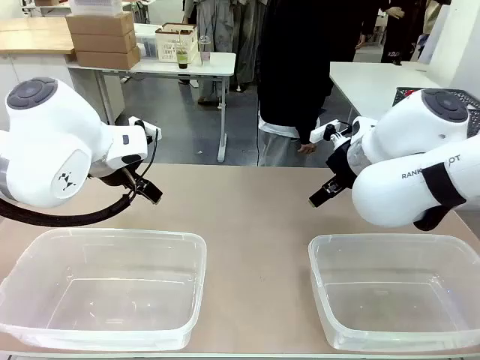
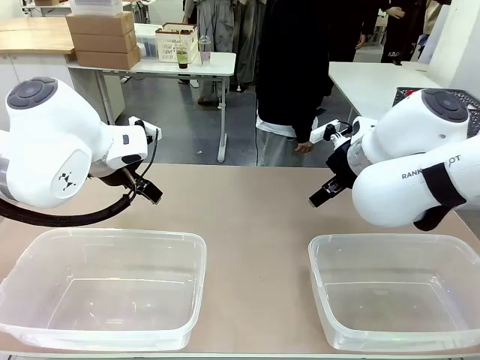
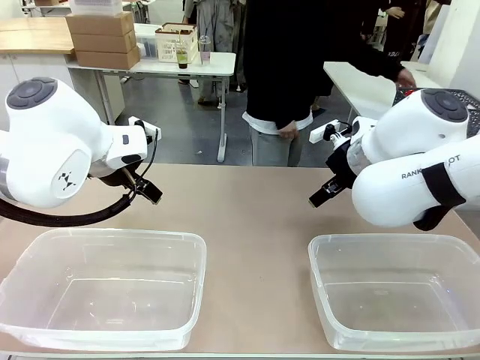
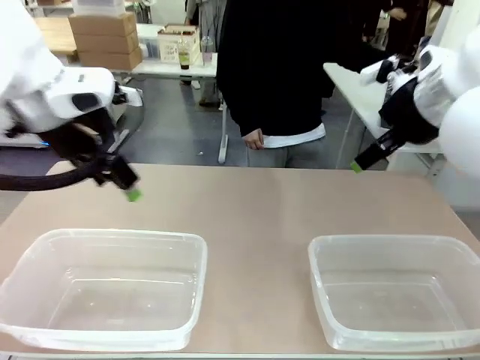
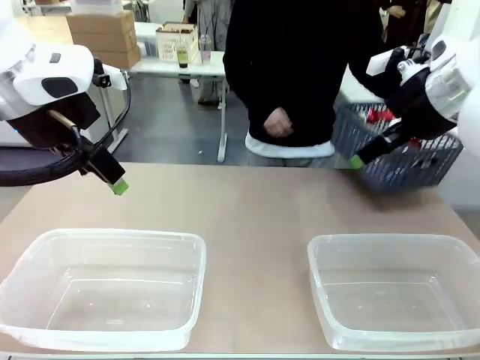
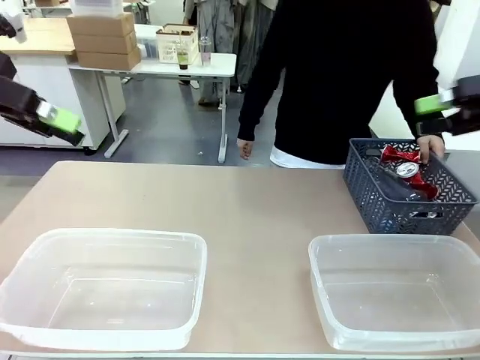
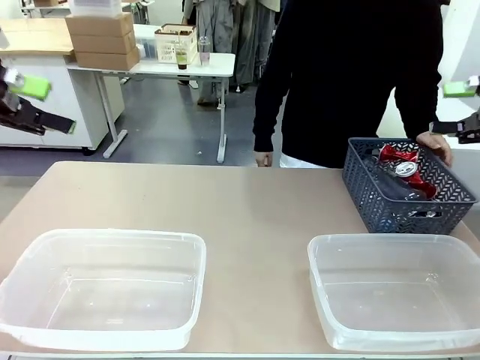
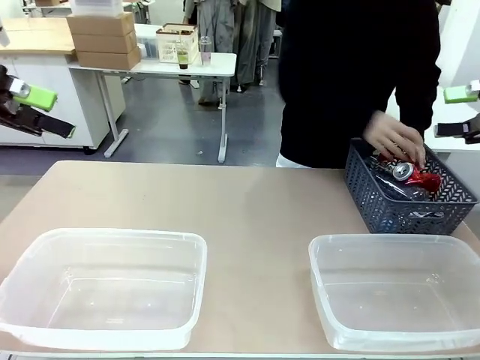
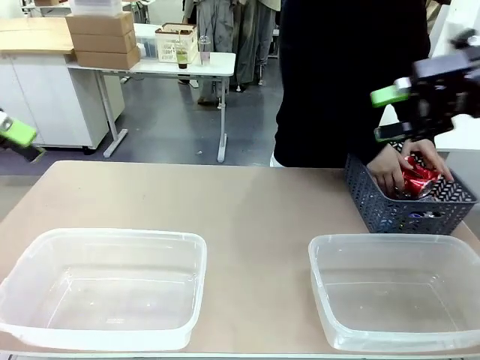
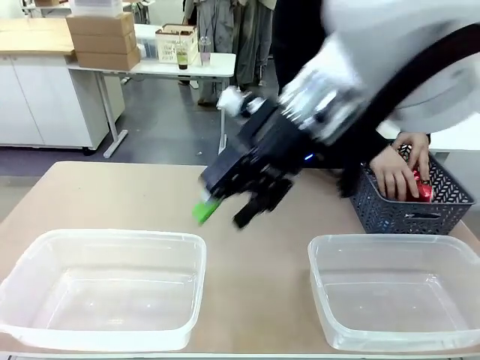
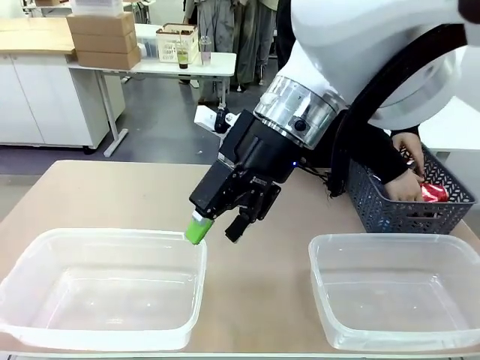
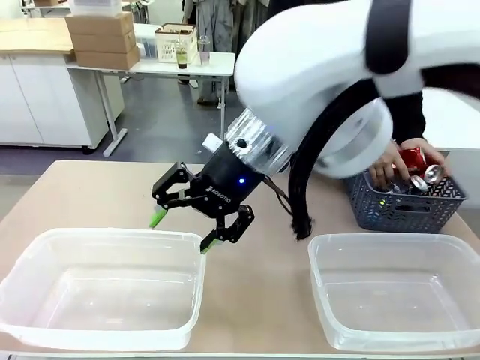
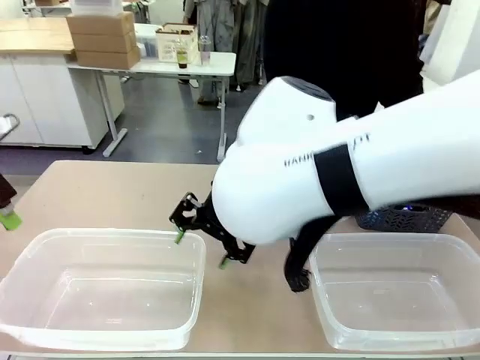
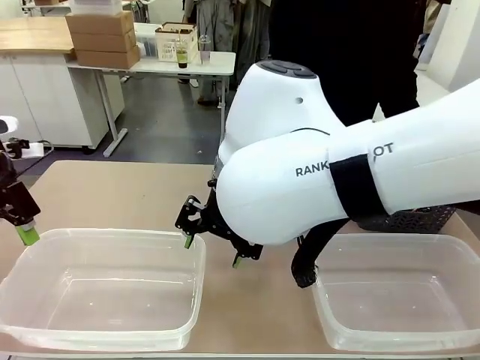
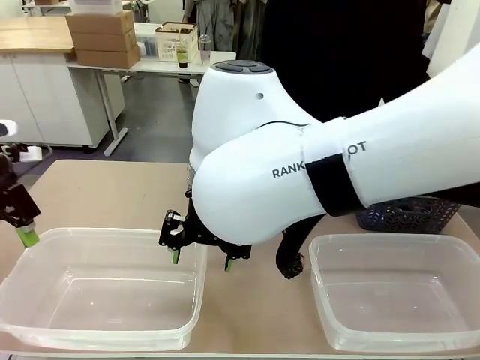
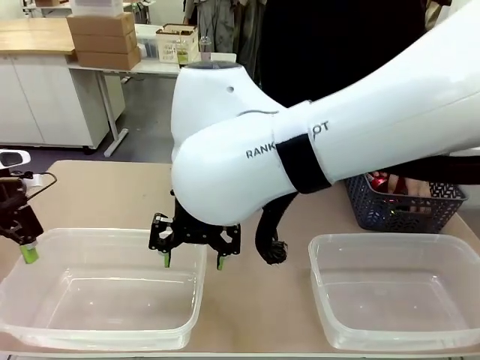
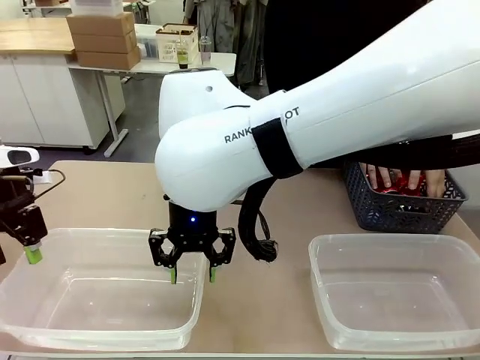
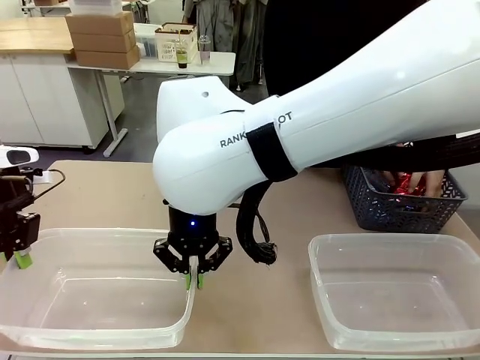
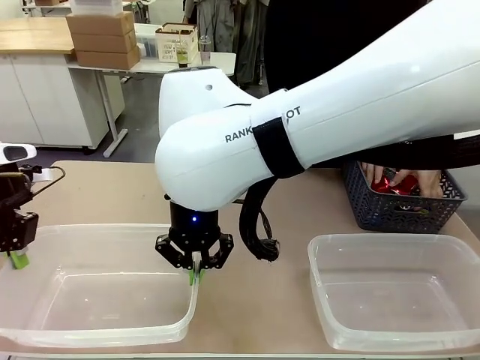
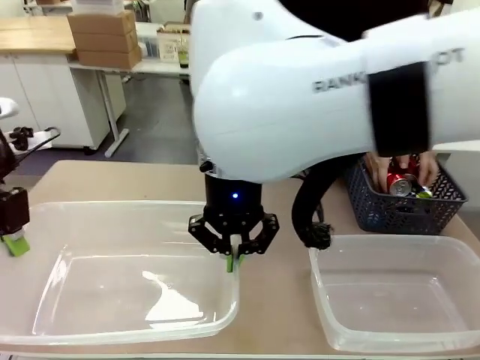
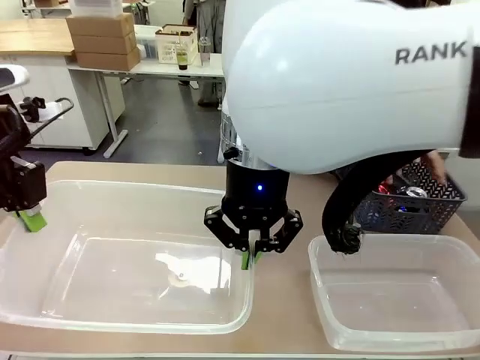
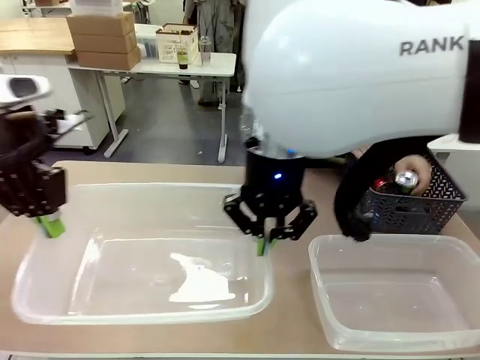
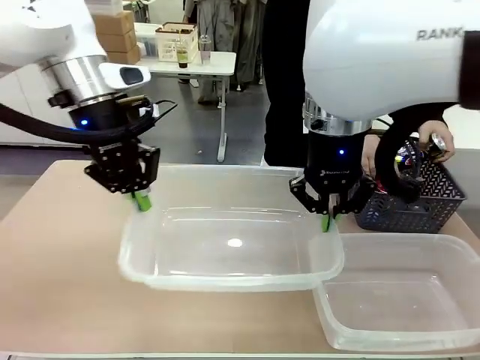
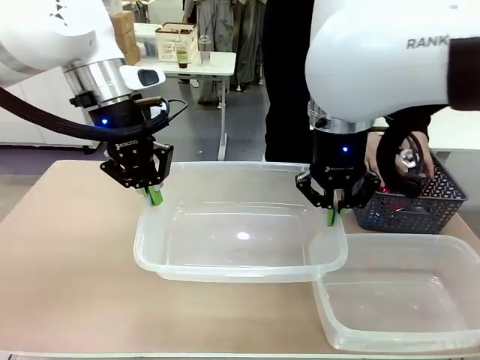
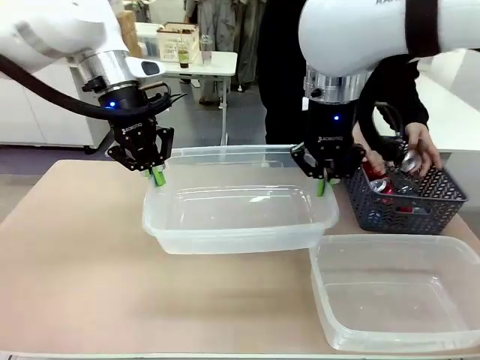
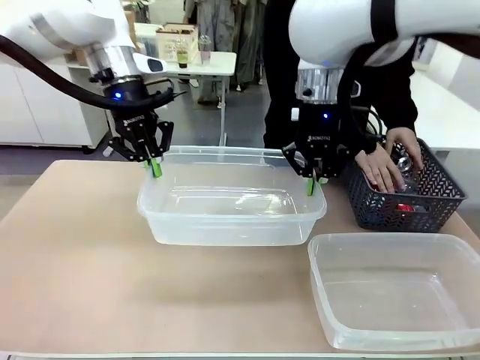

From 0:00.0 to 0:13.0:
Robot: Pick up the Organizing box on the left side of the table and lift it.
Person: Pick up the storage basket and place it on the left side of the robot table. Pick up can-shaped waste one by one and place it into the organizing box lifted by the robot.

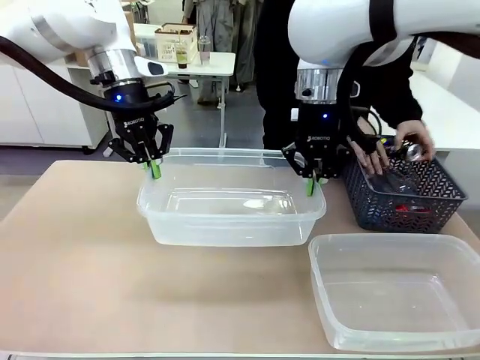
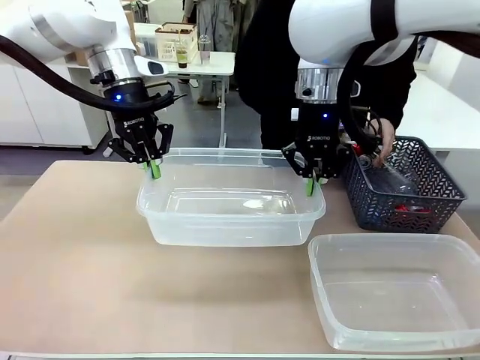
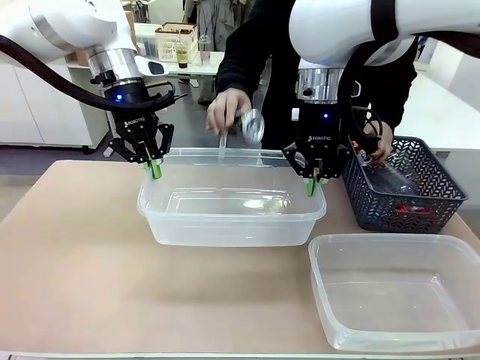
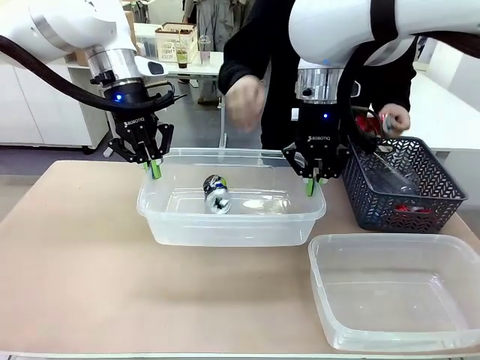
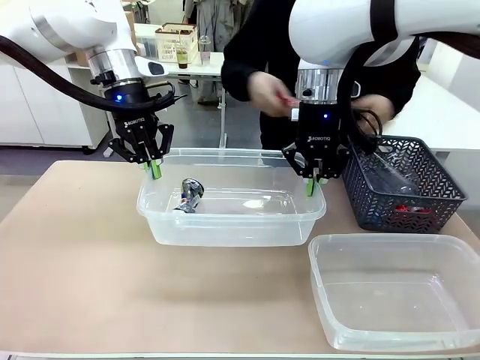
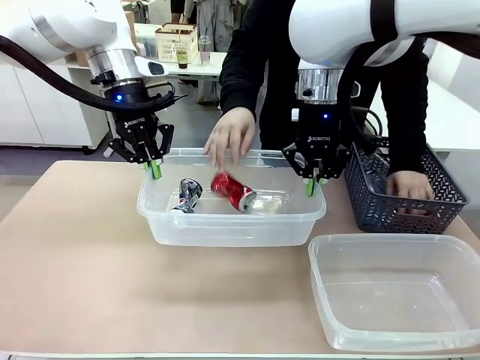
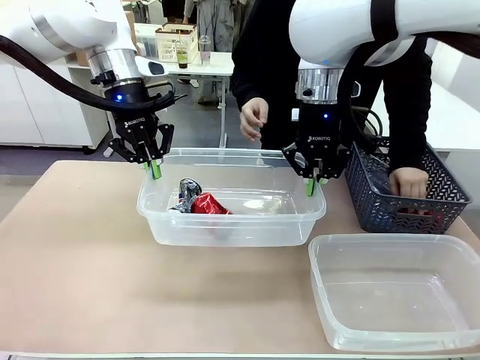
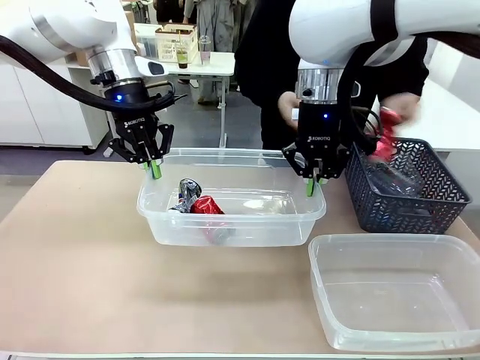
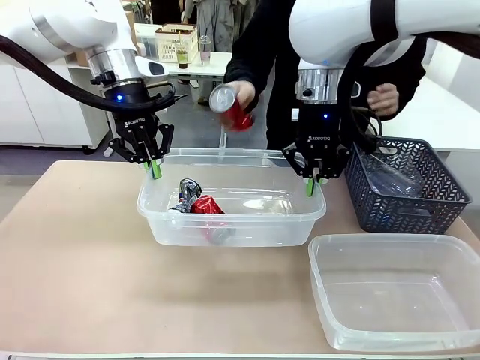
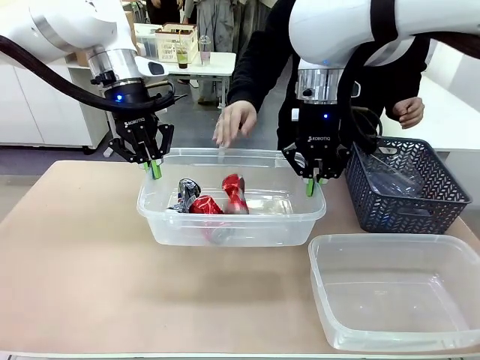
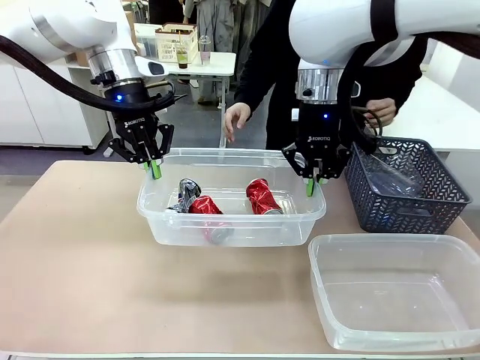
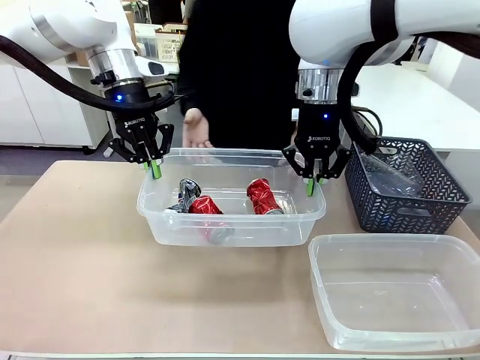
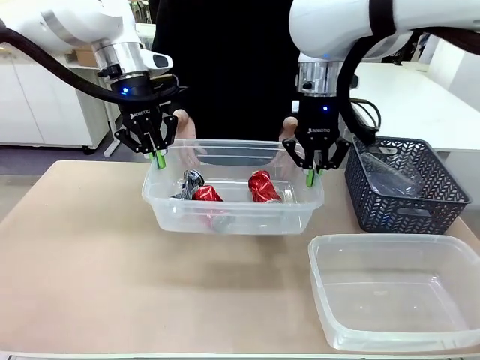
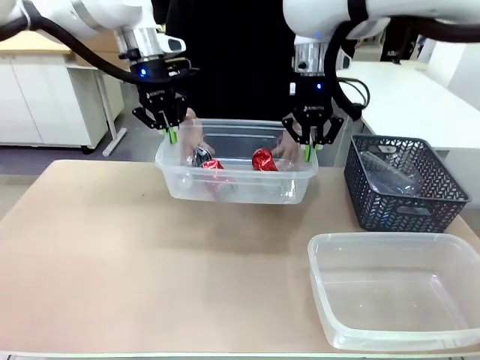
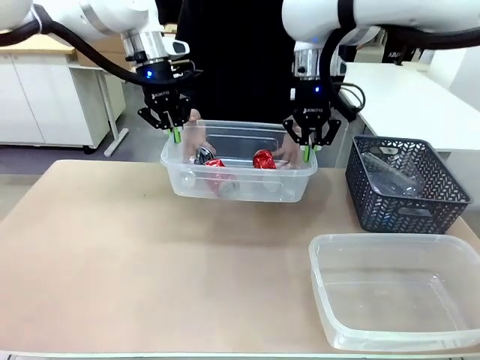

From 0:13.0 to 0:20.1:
Robot: Offer the picked Organizing box to the human.

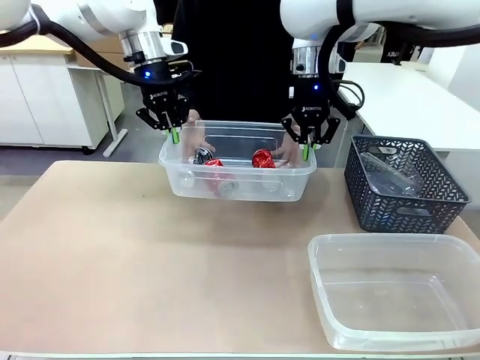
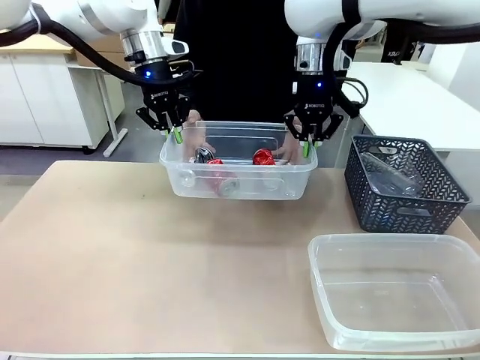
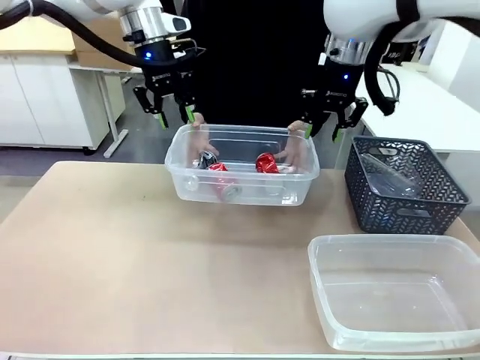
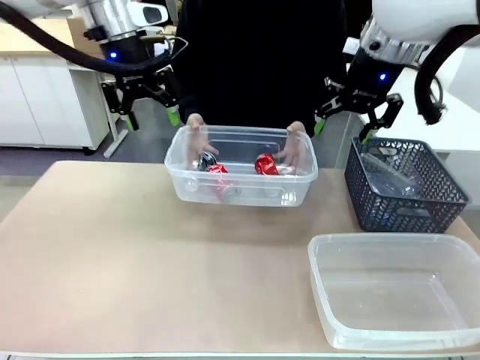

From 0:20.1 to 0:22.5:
Robot: Release the Organizing box you were holding.
